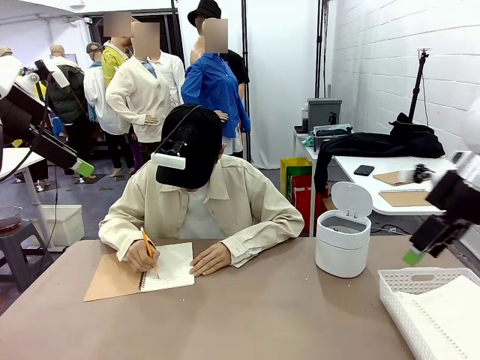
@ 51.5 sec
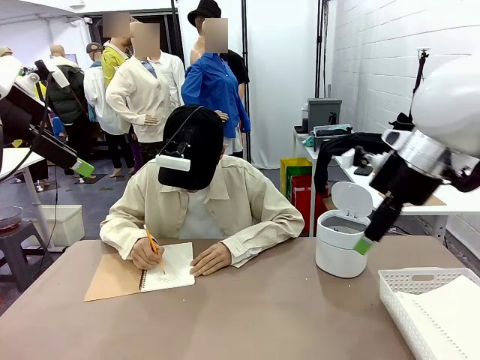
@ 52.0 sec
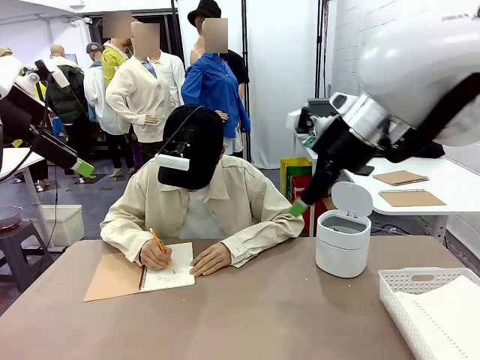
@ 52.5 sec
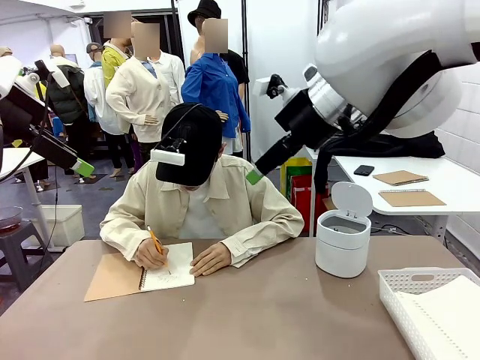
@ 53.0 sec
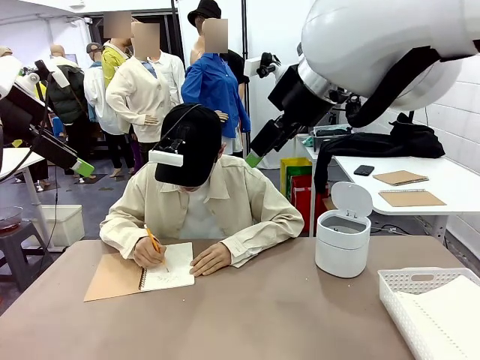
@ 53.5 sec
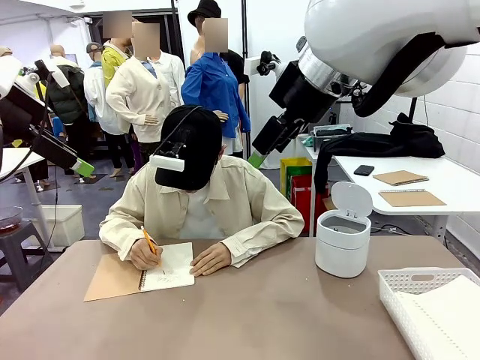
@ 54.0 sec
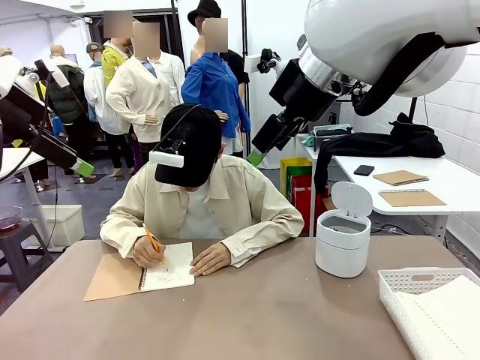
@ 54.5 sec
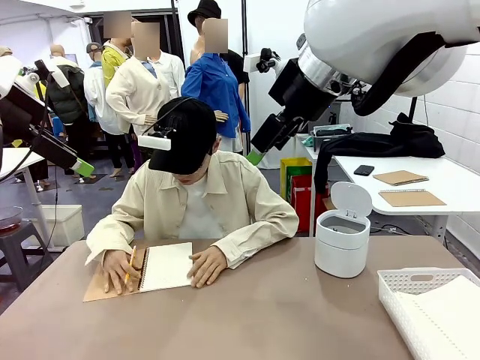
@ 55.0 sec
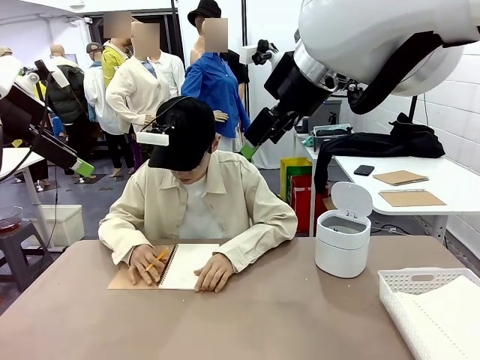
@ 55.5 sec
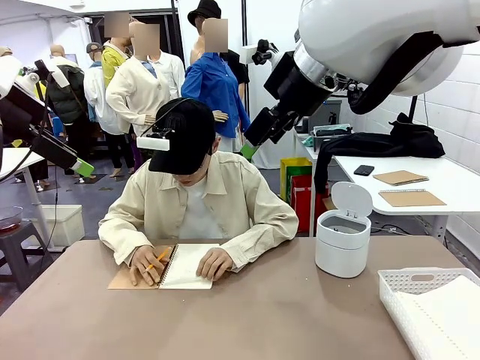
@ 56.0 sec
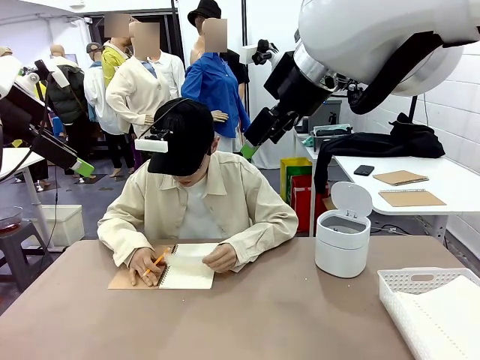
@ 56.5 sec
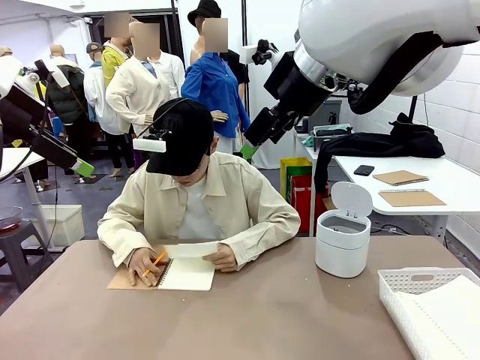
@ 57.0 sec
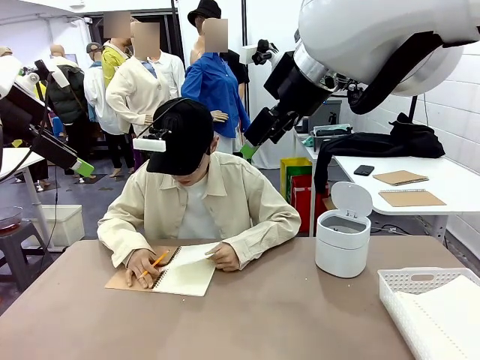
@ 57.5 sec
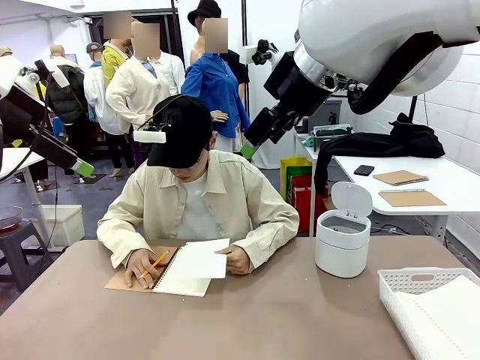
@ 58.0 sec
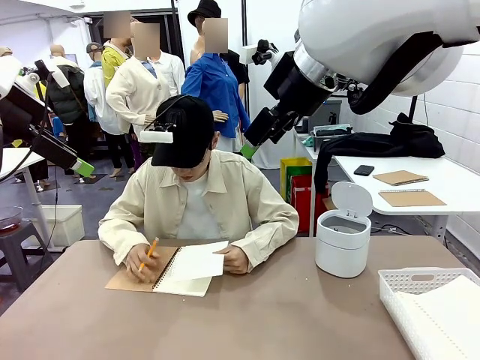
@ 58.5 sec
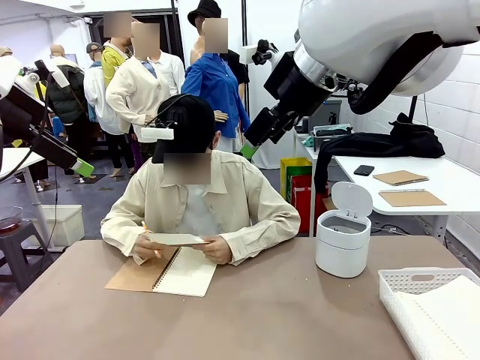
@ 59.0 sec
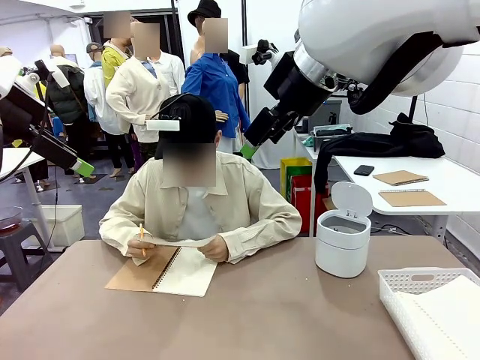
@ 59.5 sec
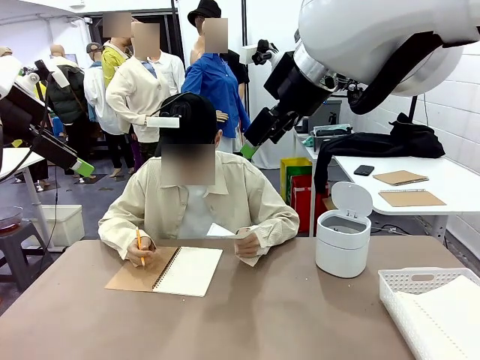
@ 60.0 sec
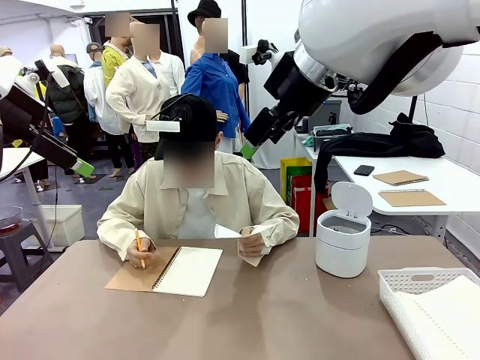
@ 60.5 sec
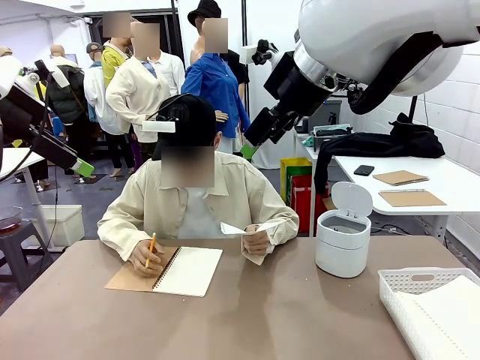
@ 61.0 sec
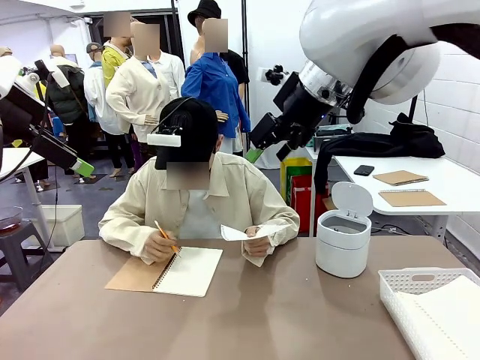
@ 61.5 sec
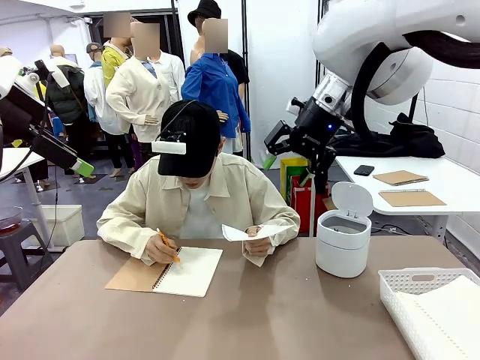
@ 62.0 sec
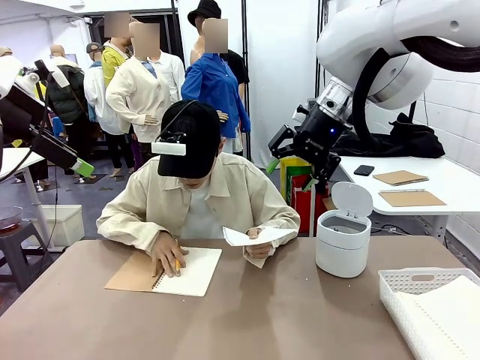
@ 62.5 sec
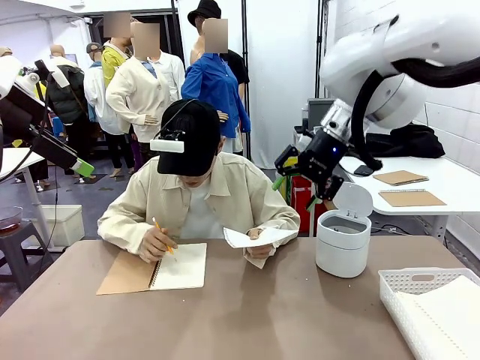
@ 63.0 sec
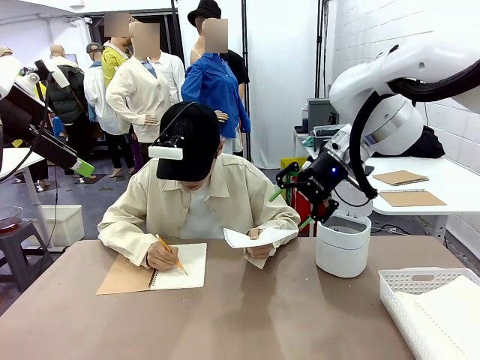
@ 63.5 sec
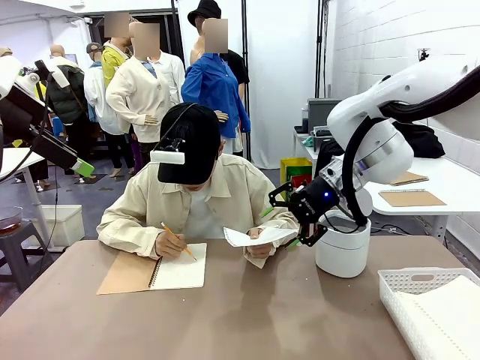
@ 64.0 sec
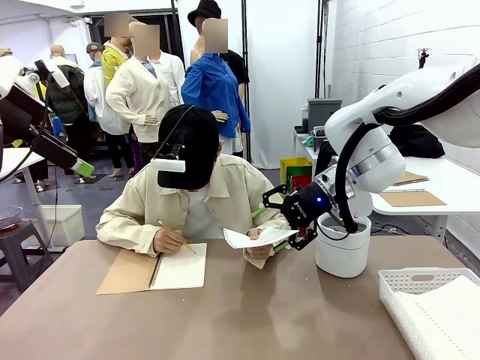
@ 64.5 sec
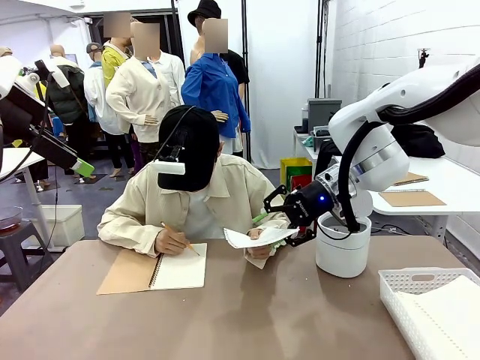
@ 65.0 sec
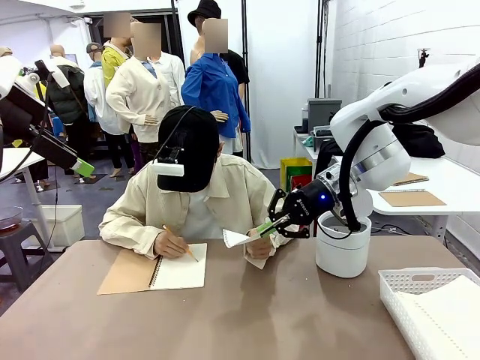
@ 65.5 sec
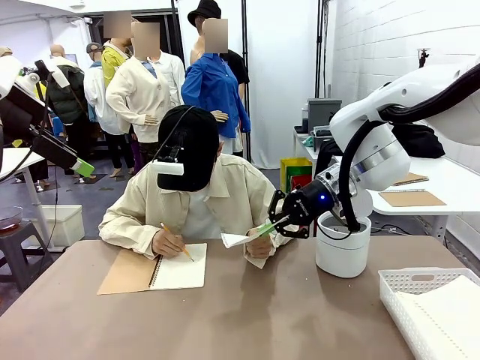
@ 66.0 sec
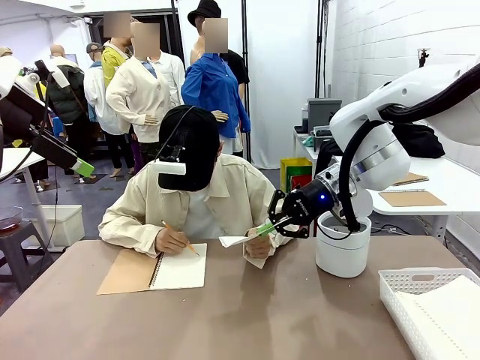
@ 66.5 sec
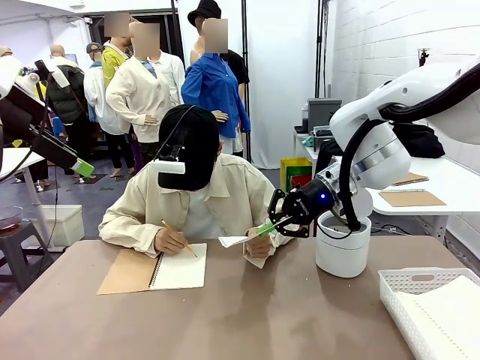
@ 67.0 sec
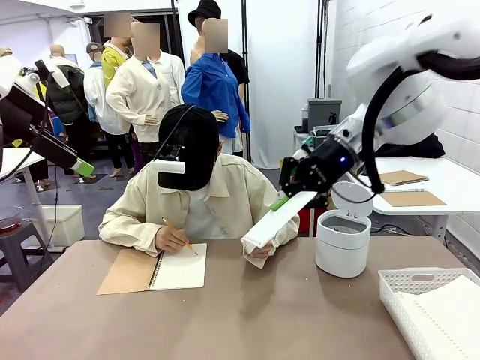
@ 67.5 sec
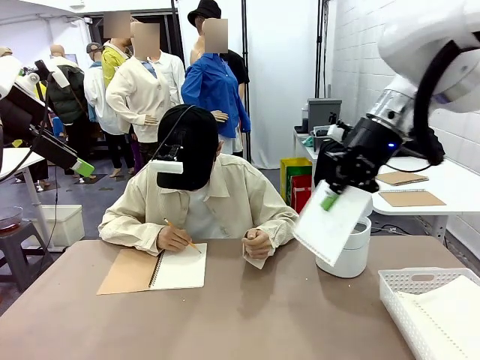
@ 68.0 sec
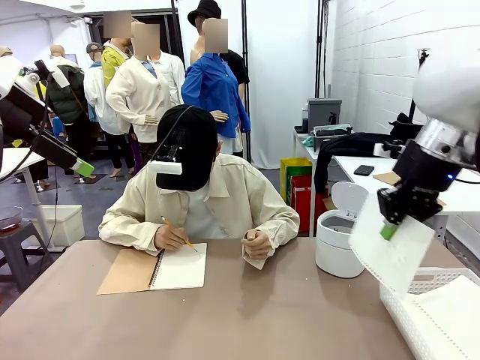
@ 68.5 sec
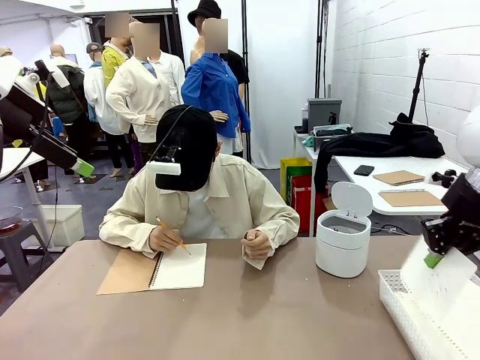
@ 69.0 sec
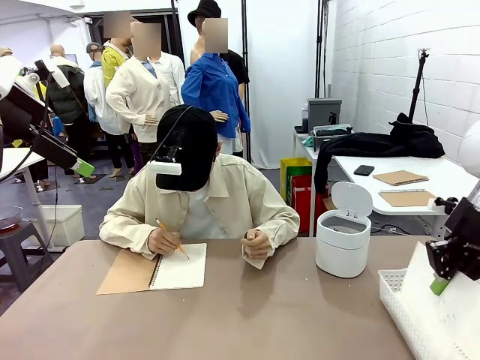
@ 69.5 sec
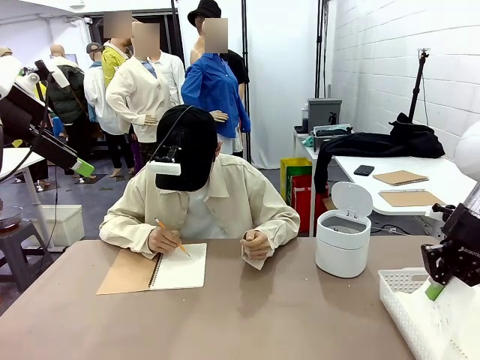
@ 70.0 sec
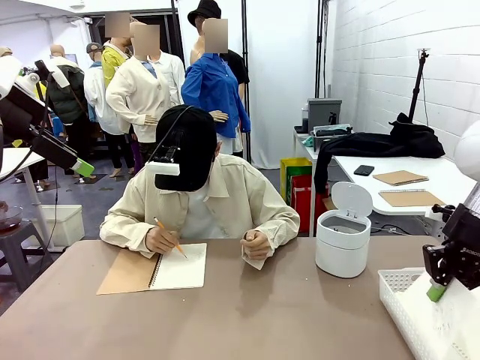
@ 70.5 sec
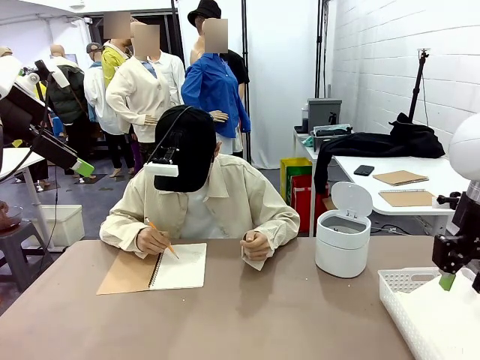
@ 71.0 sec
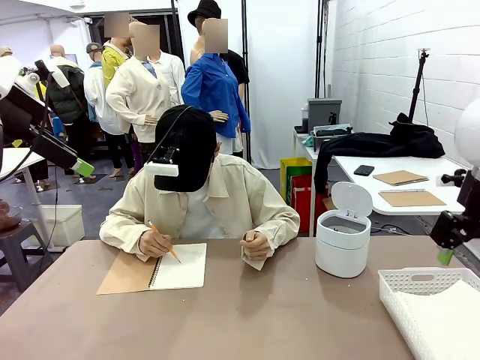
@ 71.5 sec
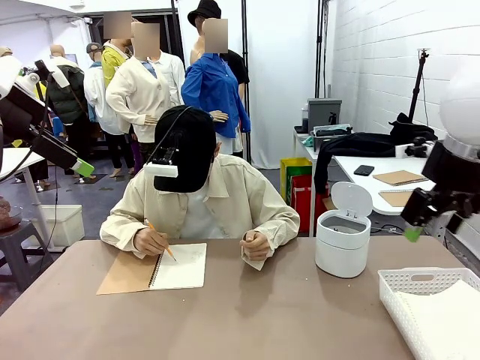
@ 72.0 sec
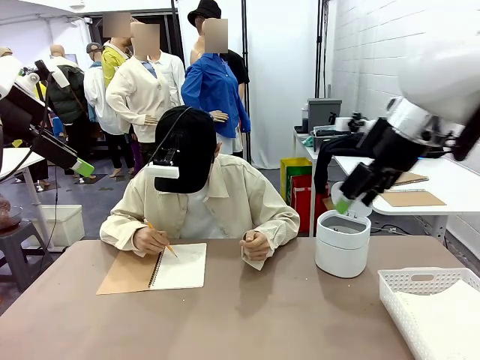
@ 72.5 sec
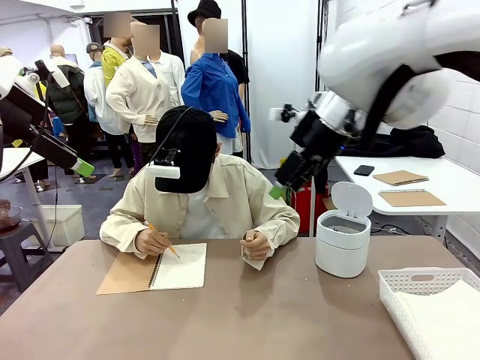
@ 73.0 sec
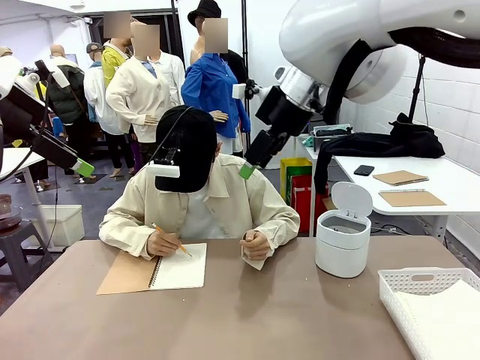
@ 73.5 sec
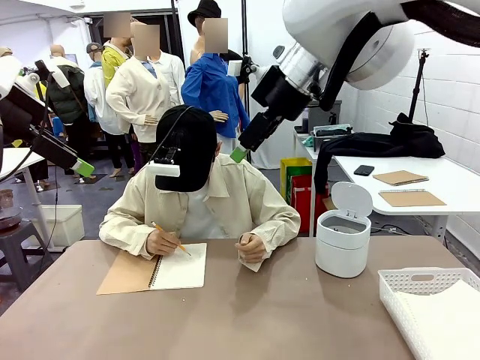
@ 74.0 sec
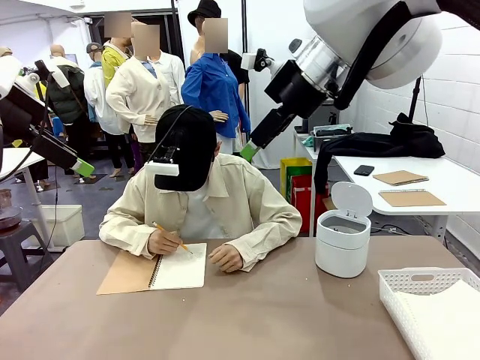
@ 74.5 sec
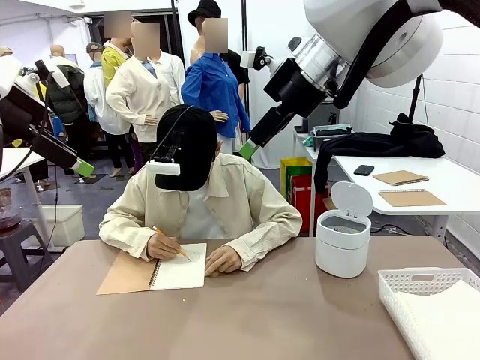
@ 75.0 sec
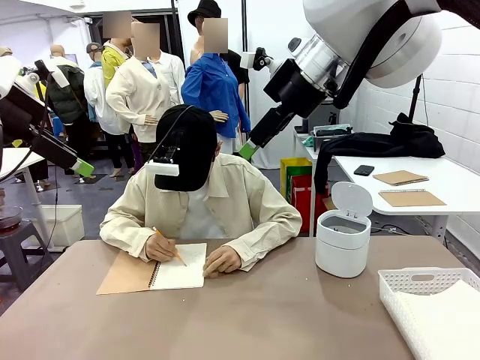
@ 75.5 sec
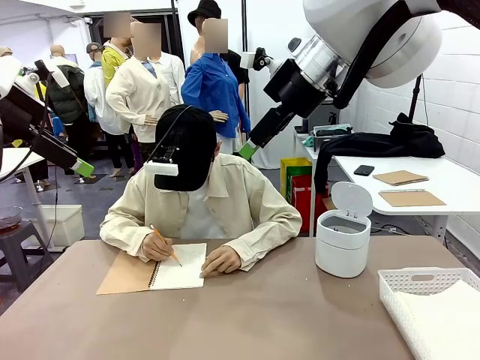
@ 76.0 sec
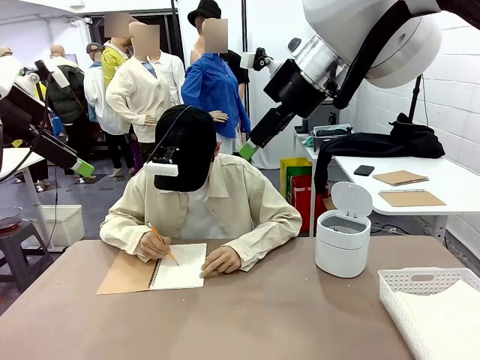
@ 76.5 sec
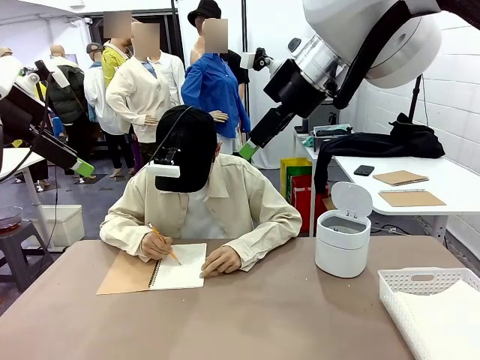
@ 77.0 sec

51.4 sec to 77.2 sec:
Task: Sort the paper based on its condition.
Robot: If a person hands you a paper, place it in the Organizing basket , and if it's crumpled, put it in the Trash can.
Person: Hand the torn page to the robot or crumple it and throw it to the center of the table.
